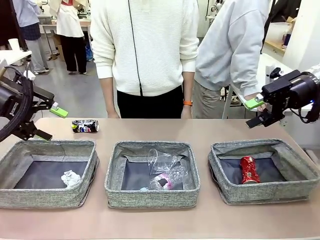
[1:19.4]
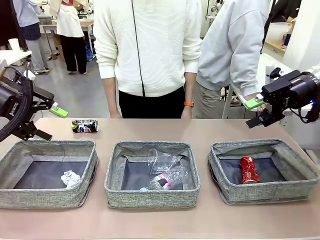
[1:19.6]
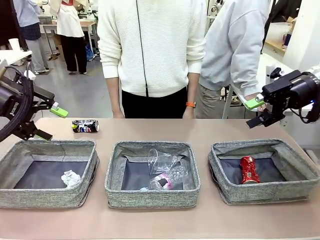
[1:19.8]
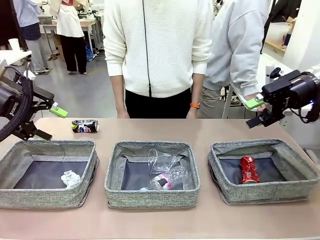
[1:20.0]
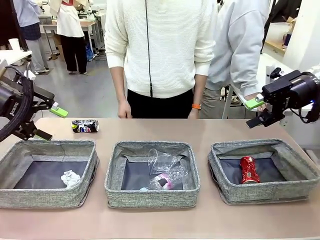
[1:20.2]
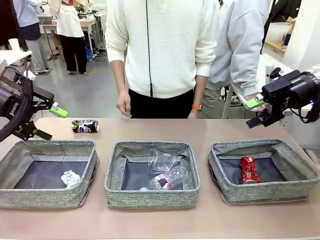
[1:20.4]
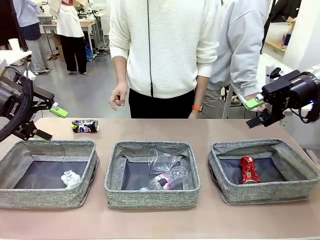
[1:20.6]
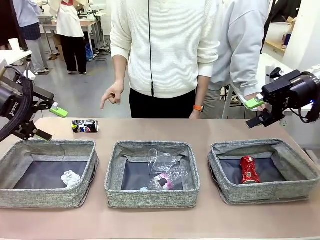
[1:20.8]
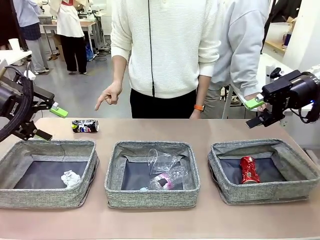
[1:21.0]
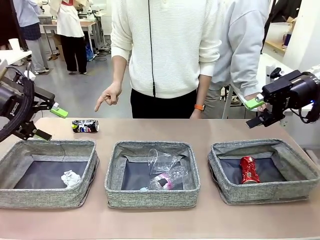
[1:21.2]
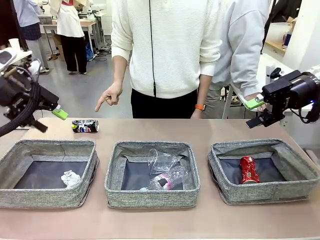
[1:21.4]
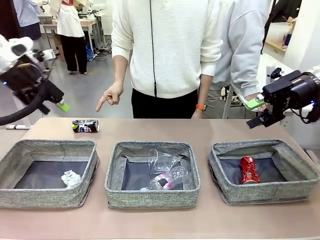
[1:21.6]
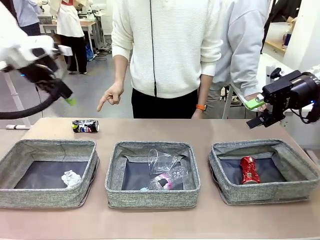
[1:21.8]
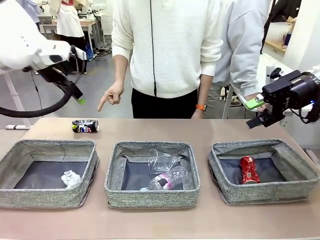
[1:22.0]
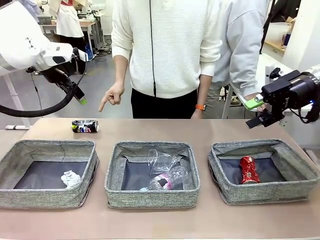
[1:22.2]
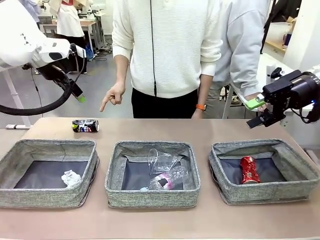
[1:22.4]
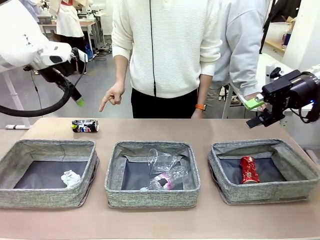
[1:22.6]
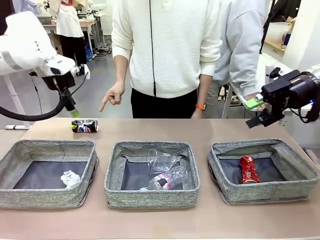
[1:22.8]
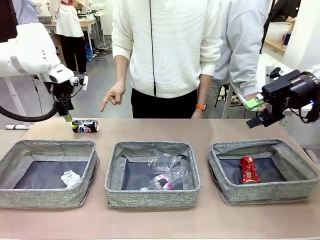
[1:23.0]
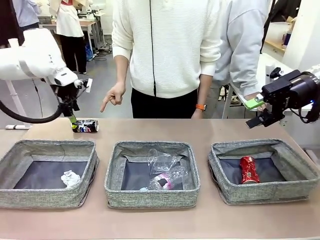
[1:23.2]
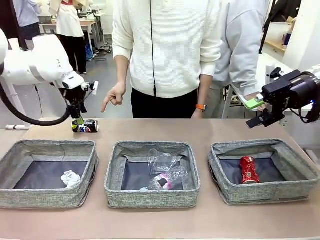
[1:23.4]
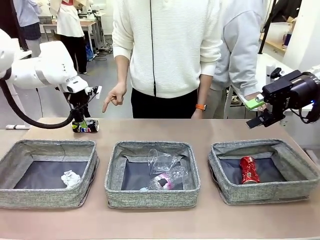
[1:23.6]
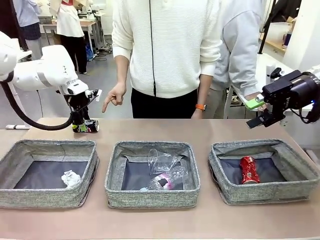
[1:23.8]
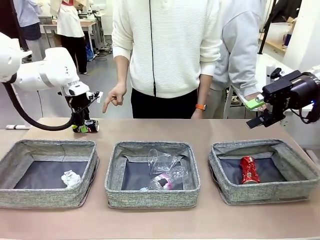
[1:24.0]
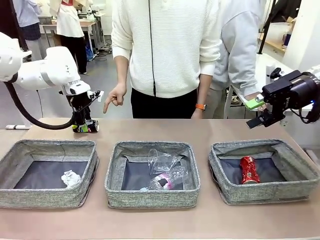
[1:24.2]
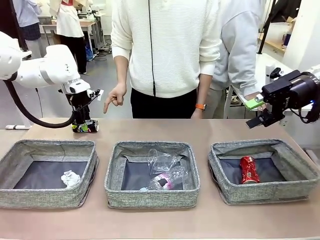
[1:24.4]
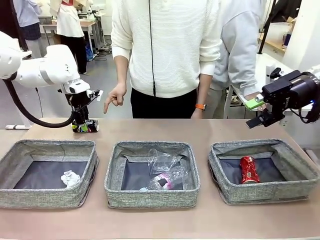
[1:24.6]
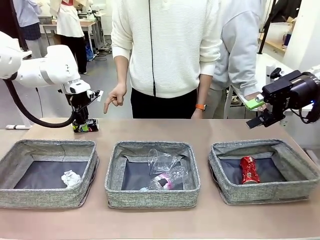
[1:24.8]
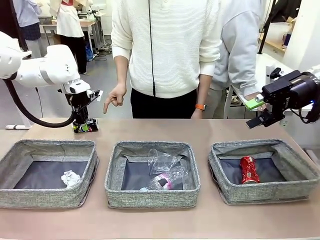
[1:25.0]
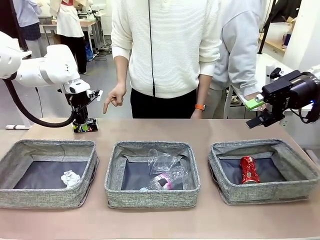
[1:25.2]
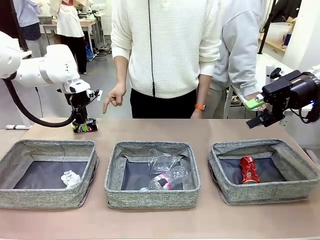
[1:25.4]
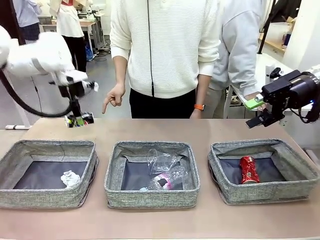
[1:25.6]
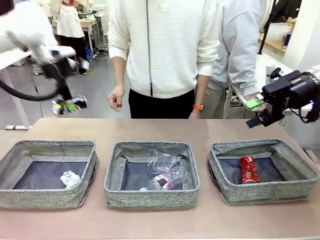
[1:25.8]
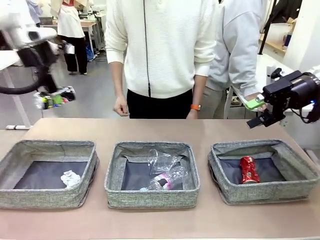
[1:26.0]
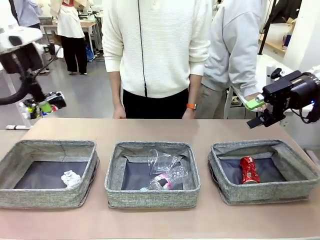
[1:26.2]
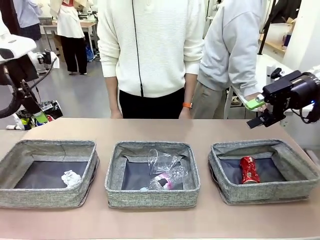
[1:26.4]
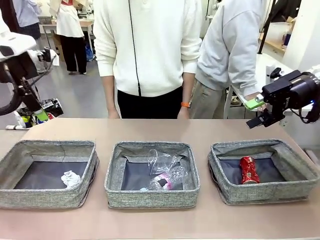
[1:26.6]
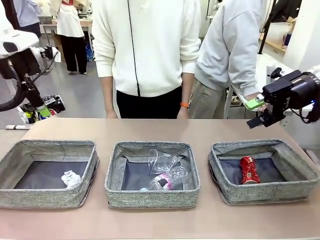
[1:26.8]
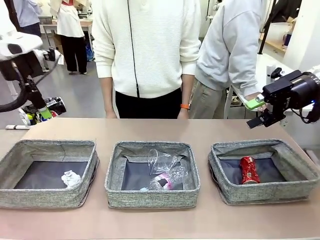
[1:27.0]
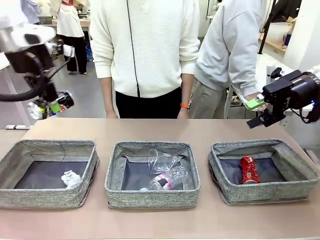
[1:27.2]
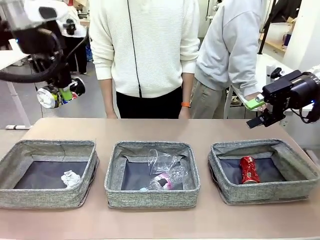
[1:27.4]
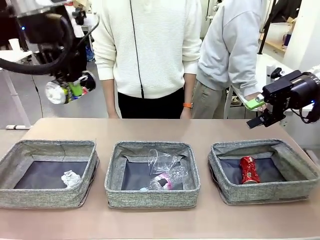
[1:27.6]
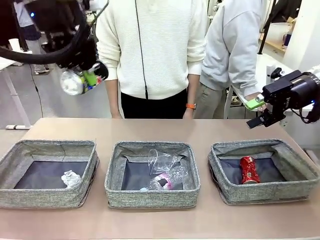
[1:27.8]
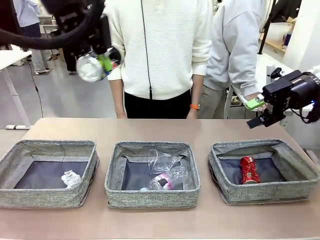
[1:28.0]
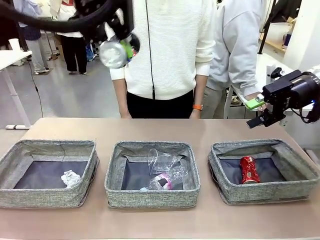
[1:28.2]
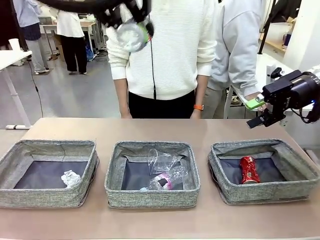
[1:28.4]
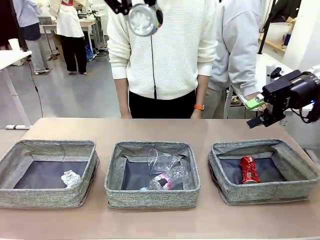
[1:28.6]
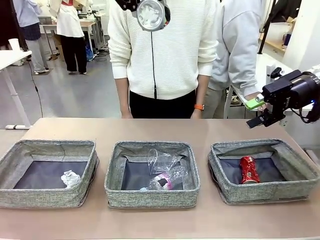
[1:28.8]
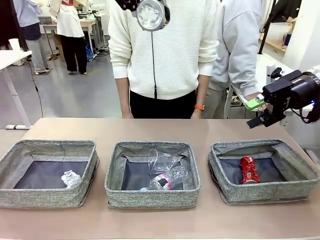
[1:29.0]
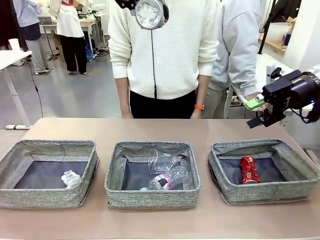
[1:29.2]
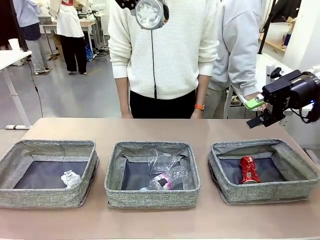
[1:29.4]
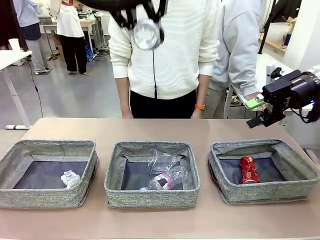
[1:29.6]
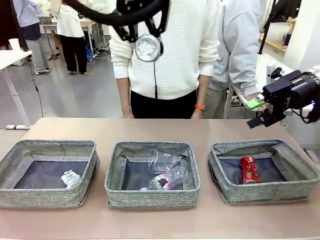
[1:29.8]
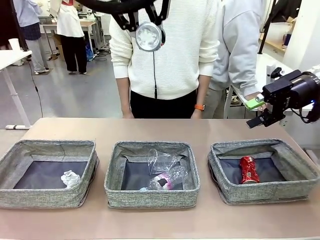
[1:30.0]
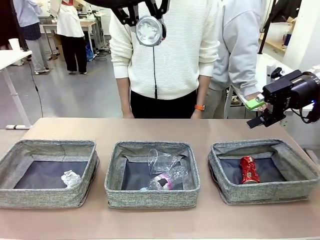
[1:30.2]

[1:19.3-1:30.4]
Task: Sort the waste into the appropriate baskets.
Robot: Pick up the waste item pointed out by the person.
Person: Points to one piece of trash on the table.

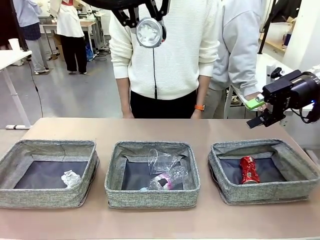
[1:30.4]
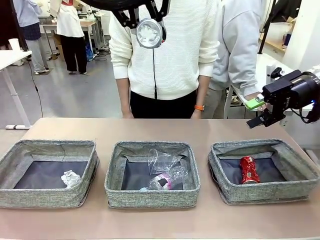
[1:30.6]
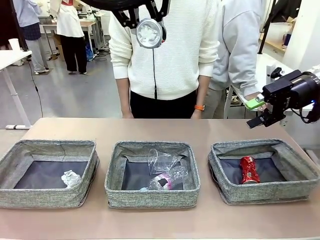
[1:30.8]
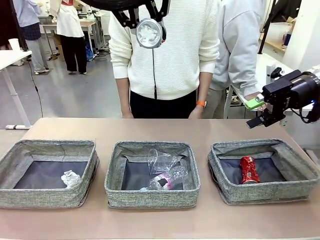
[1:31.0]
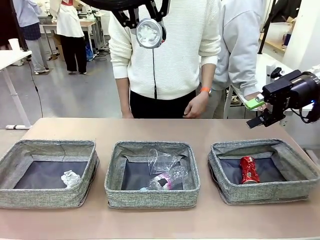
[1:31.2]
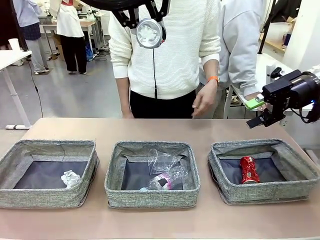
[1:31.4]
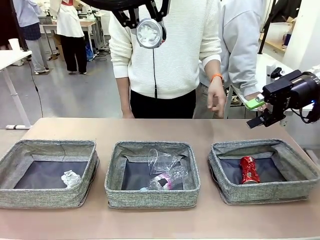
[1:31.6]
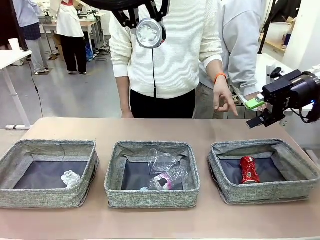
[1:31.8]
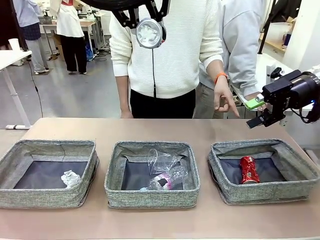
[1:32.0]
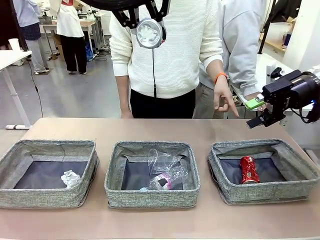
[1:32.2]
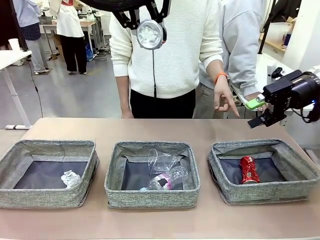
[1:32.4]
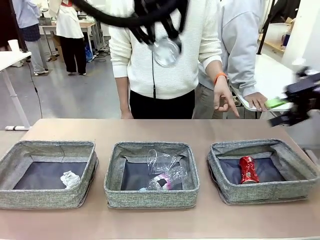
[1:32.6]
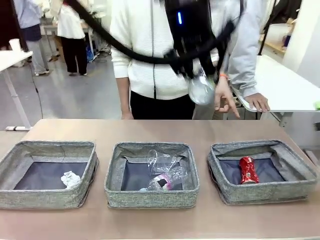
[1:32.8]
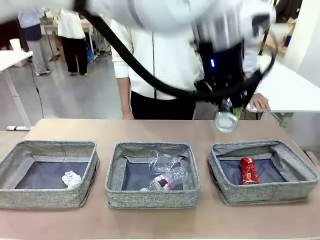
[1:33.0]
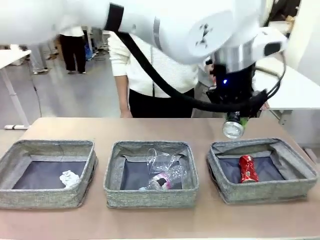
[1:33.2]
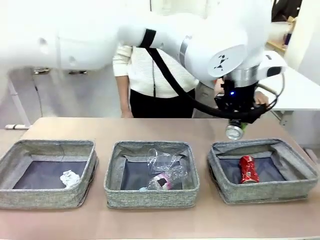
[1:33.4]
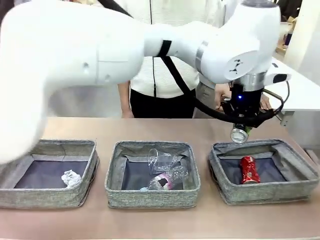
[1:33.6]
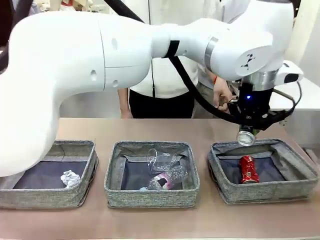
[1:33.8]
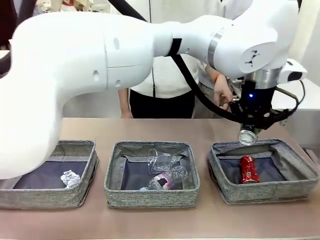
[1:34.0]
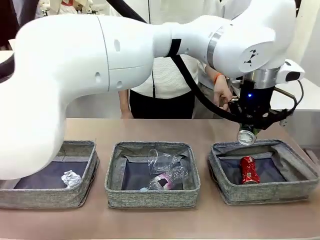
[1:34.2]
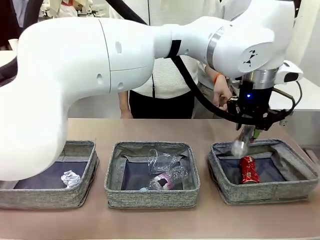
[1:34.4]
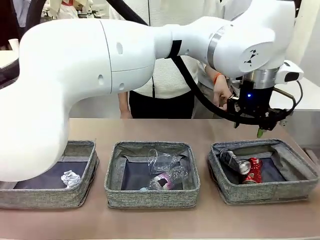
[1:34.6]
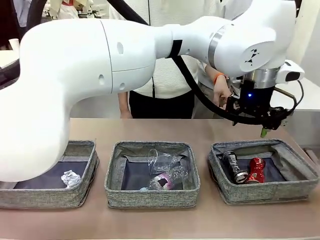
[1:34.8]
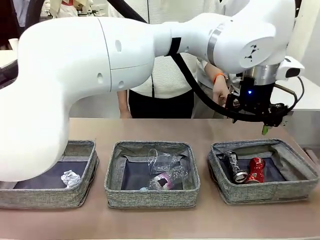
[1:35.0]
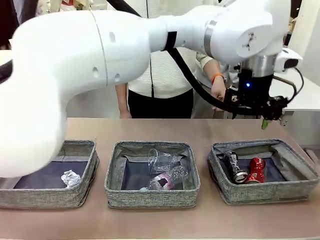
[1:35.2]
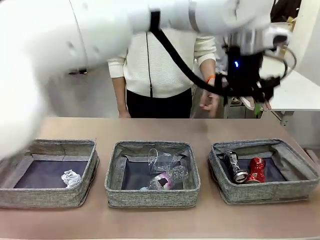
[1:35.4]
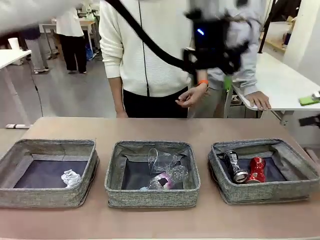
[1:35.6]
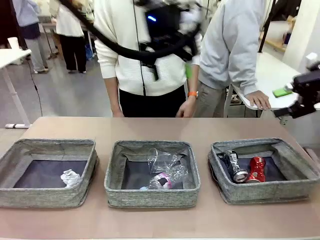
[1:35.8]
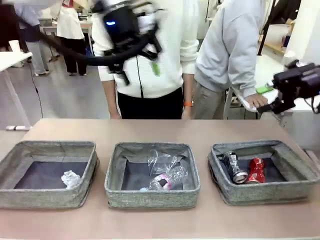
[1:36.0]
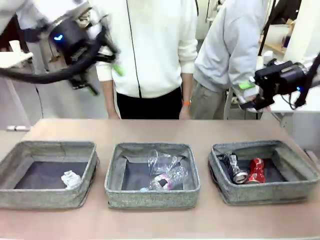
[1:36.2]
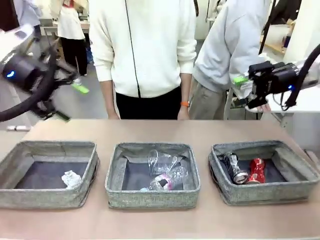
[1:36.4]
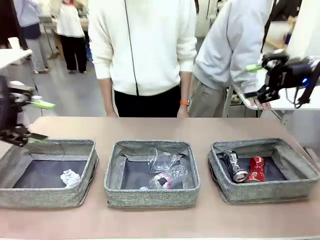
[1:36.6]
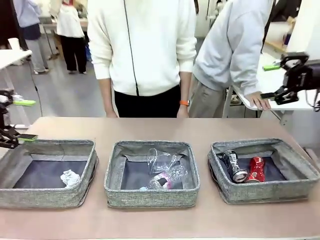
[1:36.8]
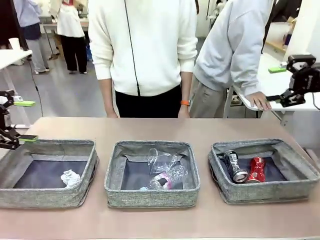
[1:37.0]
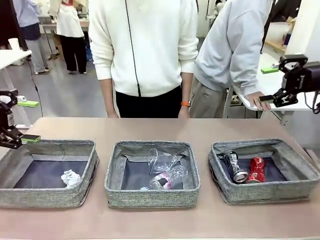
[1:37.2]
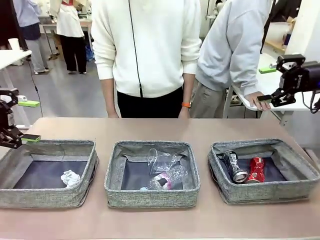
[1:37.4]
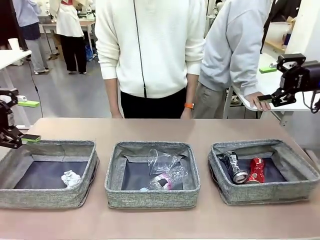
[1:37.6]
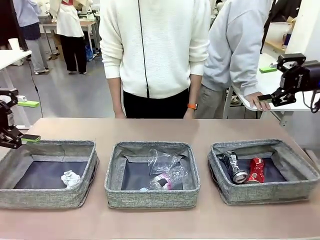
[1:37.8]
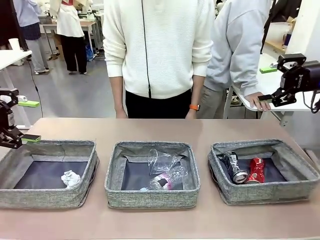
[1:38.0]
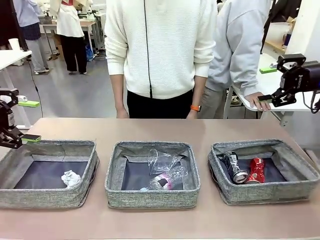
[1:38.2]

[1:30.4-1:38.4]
Robot: Place the picked waste into the Fabric basket indicated by the person.
Person: Instructs the robot to place the picked-up trash into the appropriate organizing basket.
